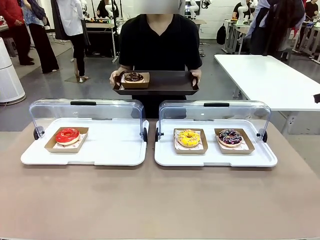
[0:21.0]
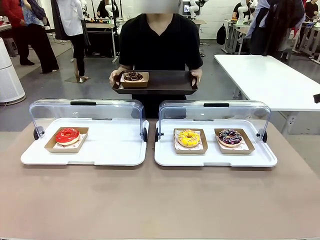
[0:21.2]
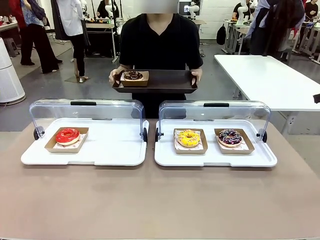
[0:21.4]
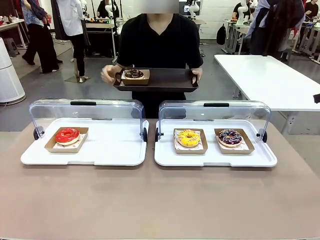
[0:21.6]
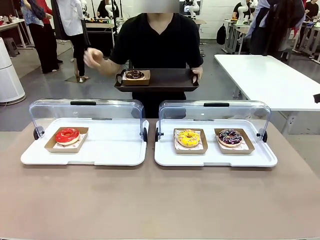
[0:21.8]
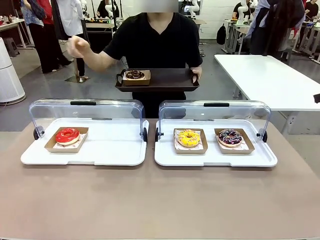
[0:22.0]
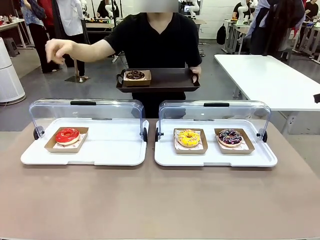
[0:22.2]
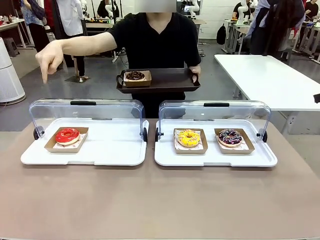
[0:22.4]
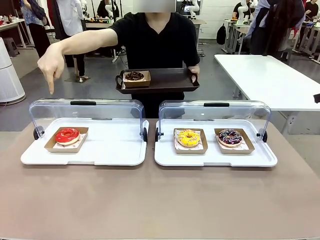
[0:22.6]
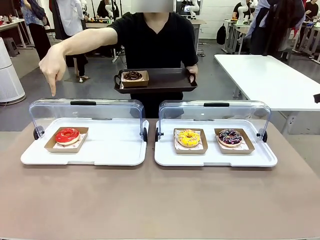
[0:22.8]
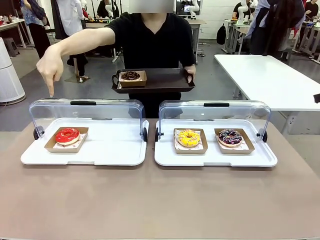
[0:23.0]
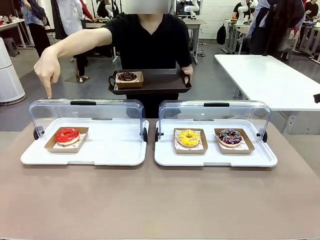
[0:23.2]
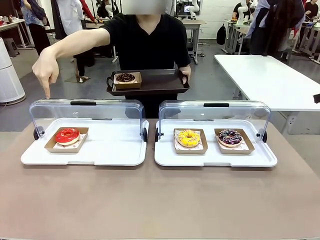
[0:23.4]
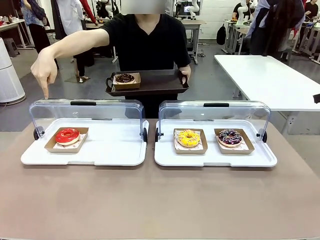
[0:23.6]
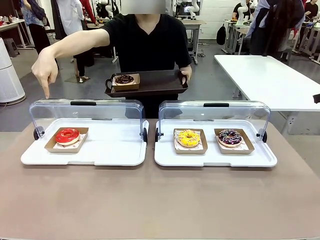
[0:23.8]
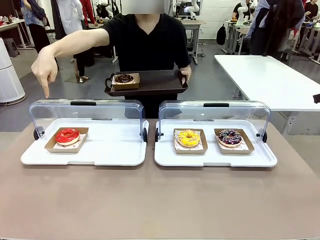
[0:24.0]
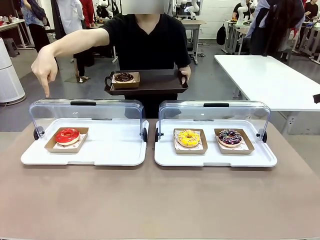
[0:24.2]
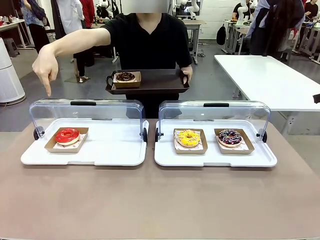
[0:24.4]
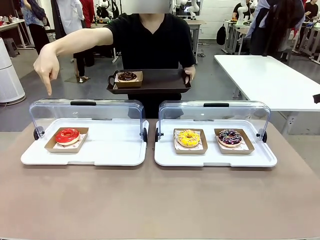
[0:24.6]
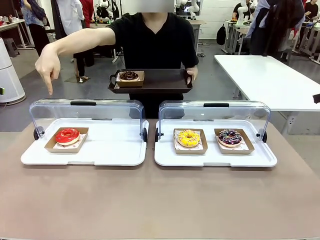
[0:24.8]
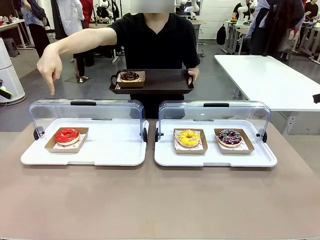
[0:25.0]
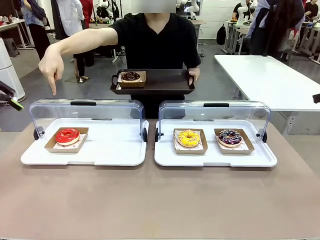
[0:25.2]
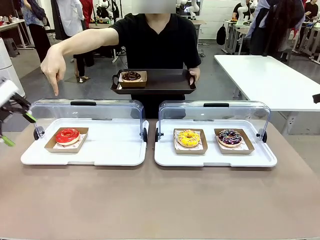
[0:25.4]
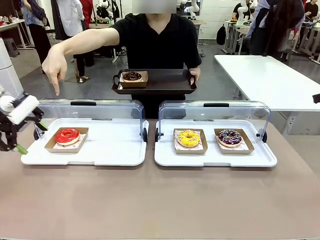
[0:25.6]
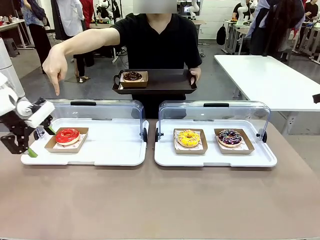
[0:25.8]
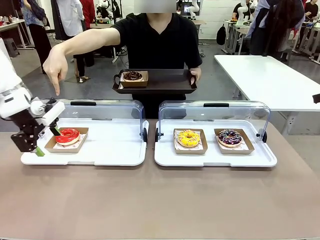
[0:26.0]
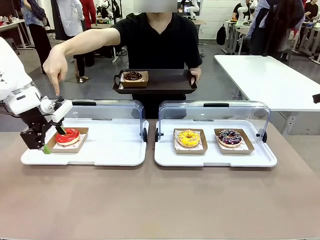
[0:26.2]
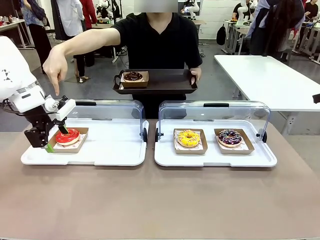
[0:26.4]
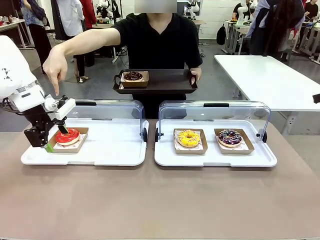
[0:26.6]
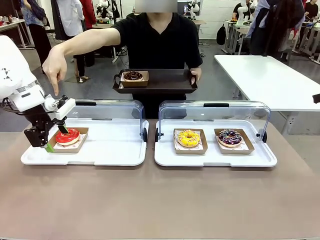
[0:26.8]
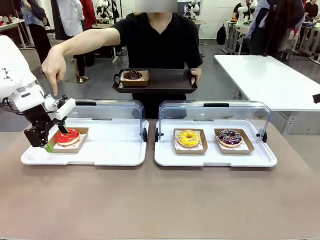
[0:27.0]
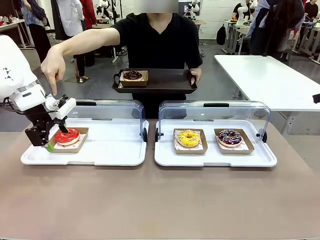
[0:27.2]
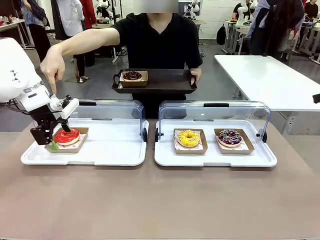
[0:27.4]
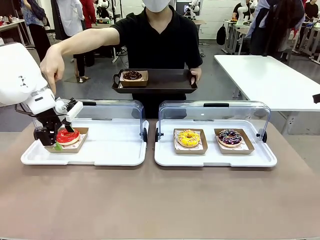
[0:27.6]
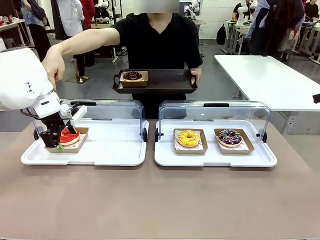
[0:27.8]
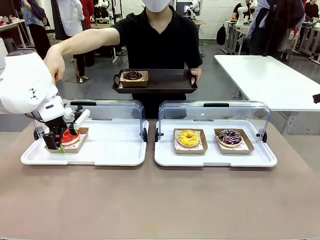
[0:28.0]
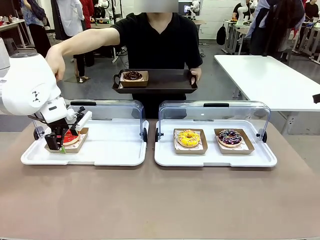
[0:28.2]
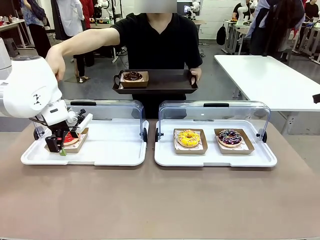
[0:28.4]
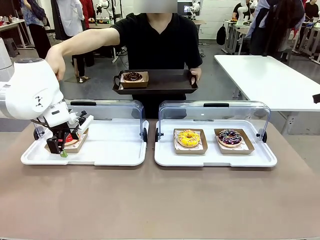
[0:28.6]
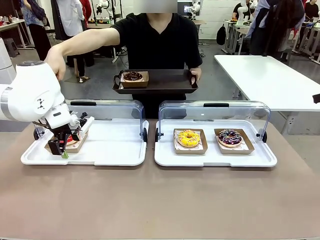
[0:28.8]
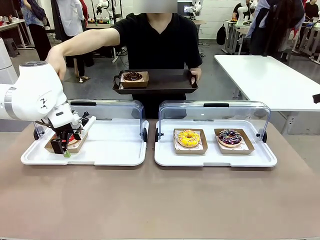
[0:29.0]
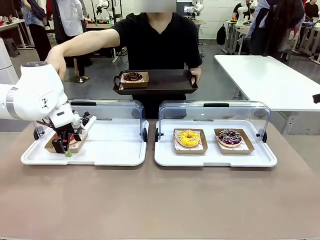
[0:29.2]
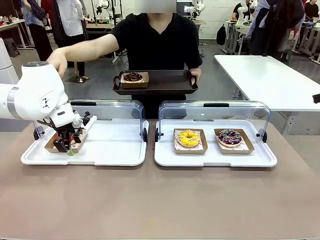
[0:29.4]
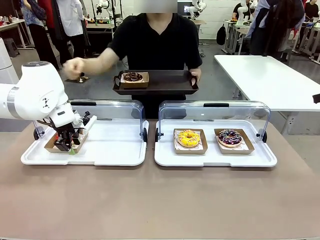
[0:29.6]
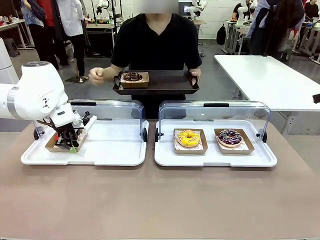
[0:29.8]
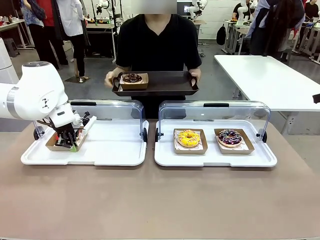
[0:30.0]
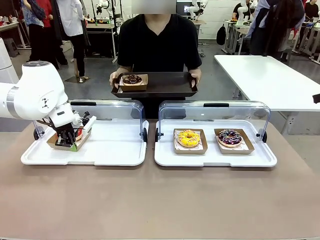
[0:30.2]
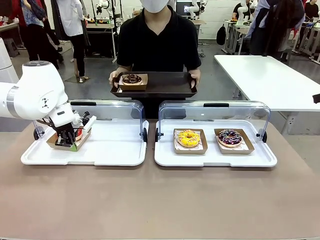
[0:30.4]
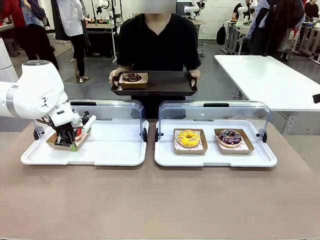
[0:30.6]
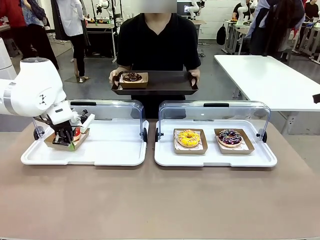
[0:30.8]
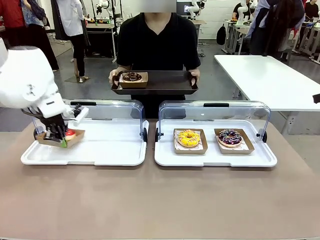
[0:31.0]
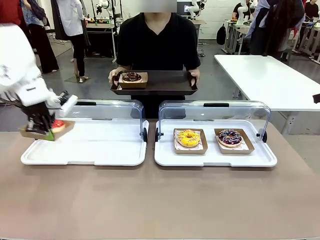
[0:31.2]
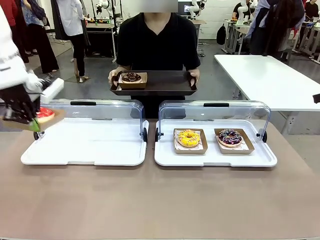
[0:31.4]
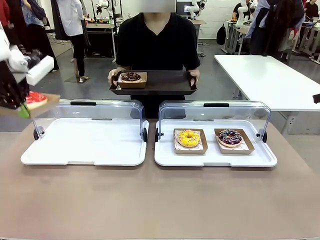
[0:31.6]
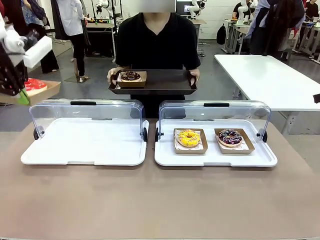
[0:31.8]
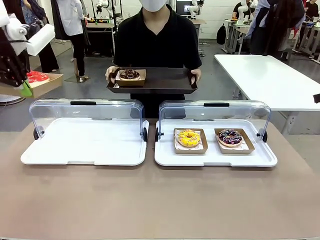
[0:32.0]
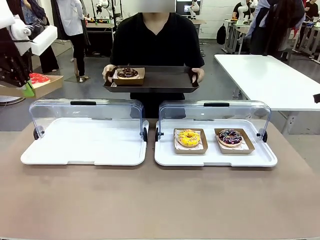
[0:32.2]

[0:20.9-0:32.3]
Task: Provide the desired donut to the person.
Robot: Pick up and lift the Paper togo box containing the Donut pointed at by the person.
Person: Lift the tray onto the Roll-Top Bakery Case.

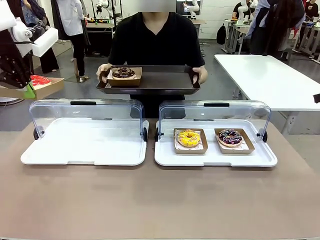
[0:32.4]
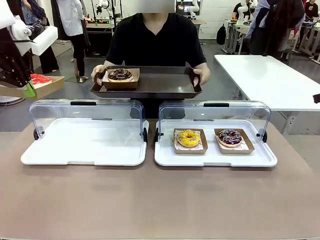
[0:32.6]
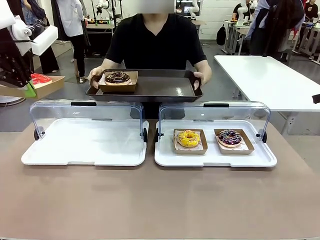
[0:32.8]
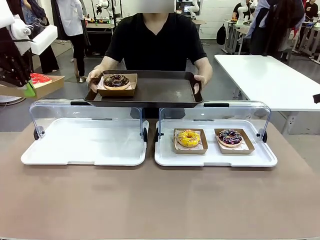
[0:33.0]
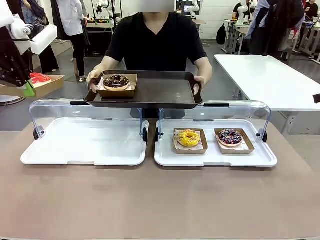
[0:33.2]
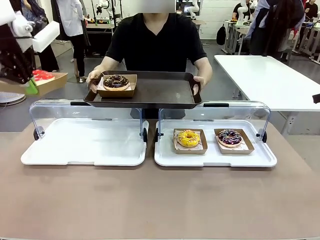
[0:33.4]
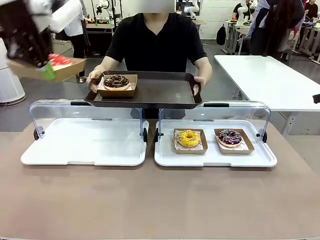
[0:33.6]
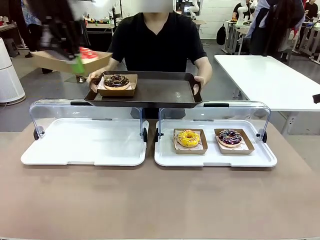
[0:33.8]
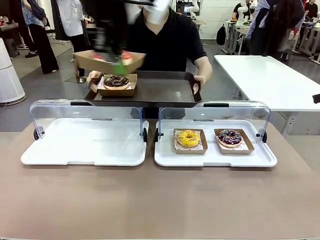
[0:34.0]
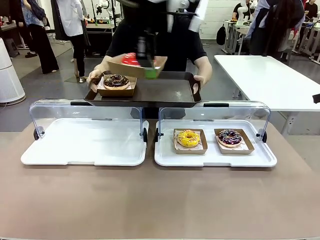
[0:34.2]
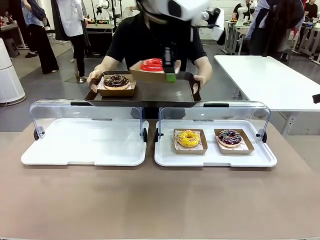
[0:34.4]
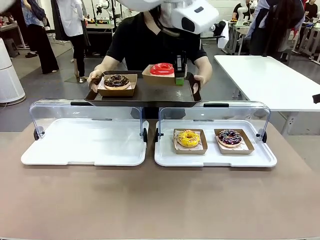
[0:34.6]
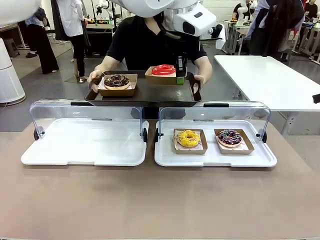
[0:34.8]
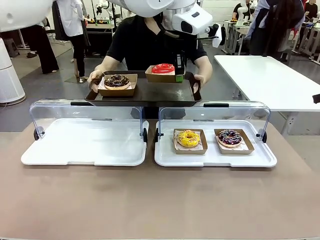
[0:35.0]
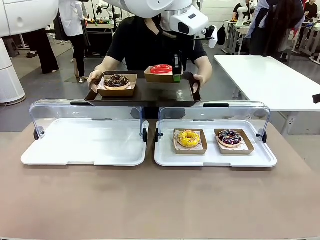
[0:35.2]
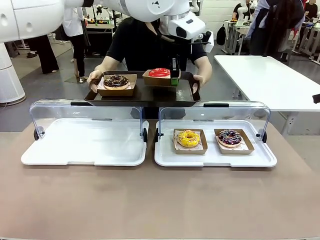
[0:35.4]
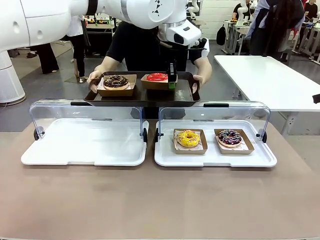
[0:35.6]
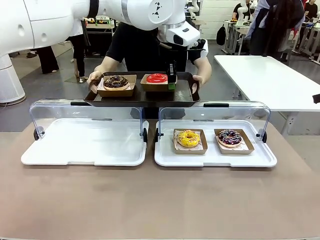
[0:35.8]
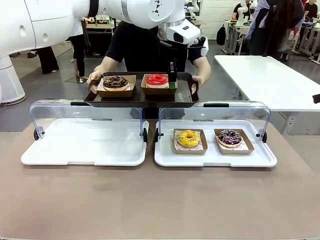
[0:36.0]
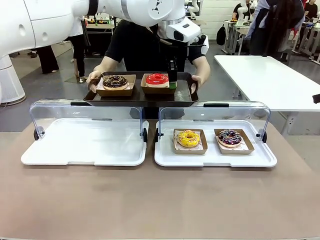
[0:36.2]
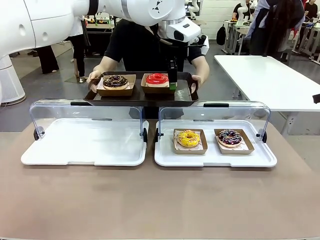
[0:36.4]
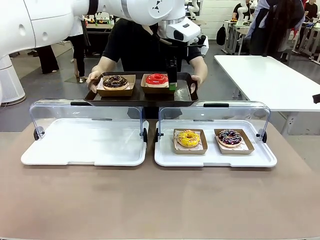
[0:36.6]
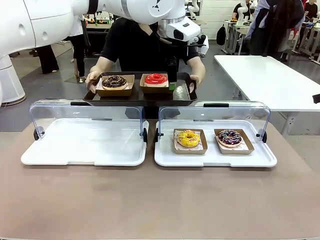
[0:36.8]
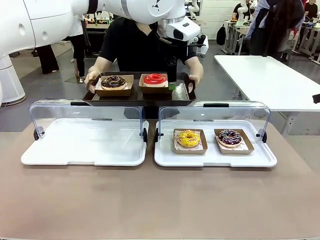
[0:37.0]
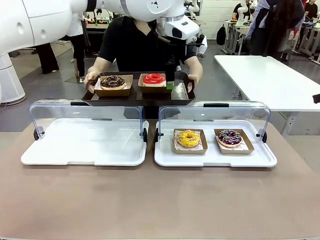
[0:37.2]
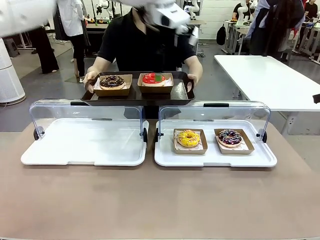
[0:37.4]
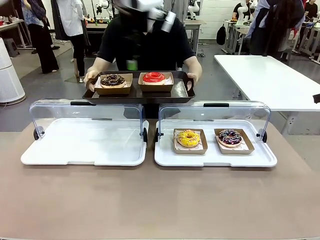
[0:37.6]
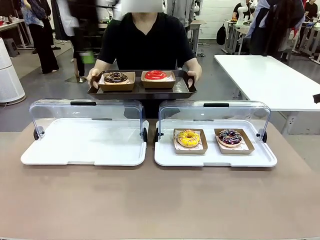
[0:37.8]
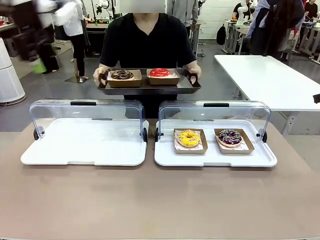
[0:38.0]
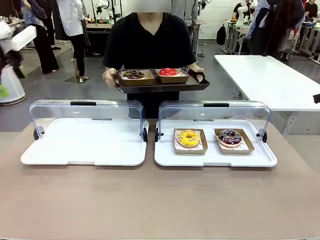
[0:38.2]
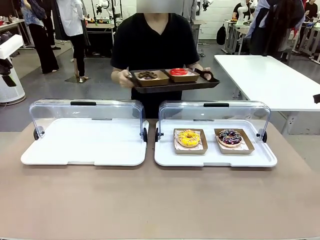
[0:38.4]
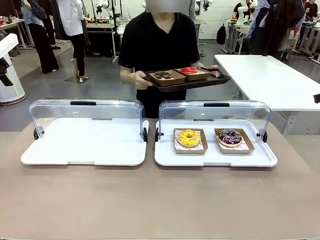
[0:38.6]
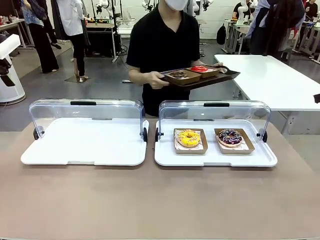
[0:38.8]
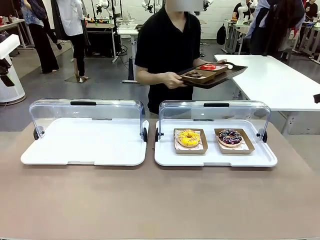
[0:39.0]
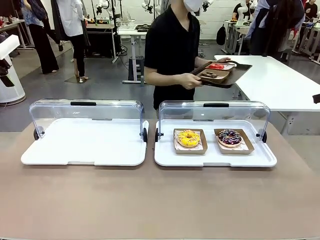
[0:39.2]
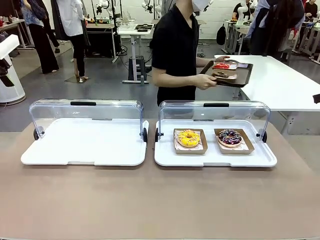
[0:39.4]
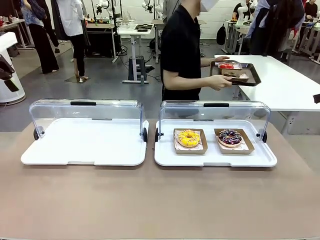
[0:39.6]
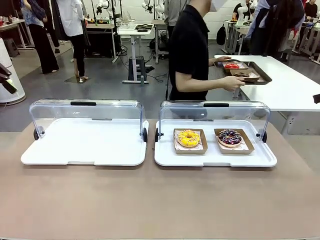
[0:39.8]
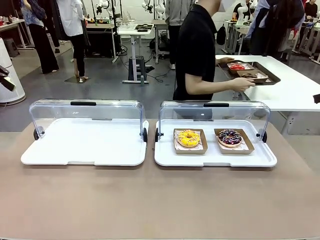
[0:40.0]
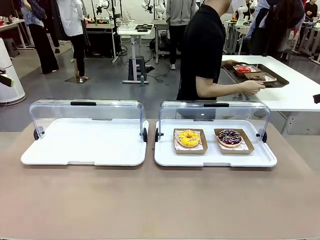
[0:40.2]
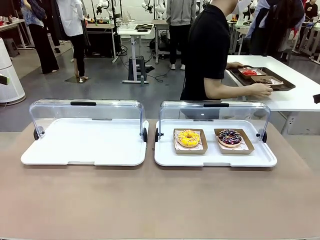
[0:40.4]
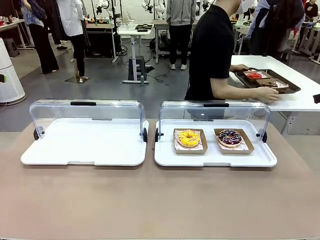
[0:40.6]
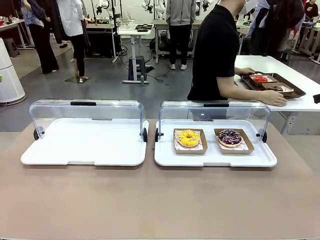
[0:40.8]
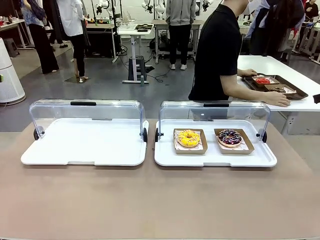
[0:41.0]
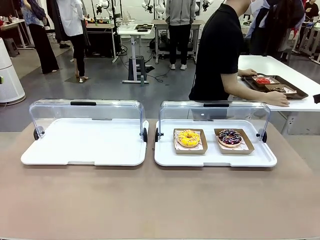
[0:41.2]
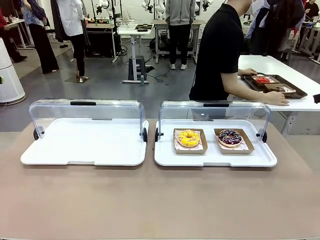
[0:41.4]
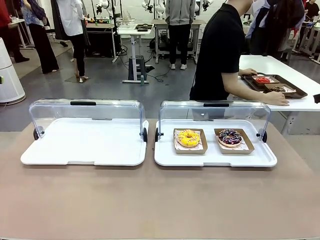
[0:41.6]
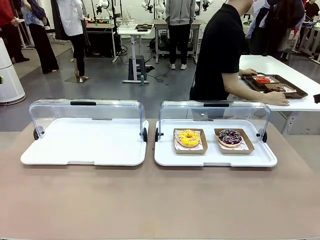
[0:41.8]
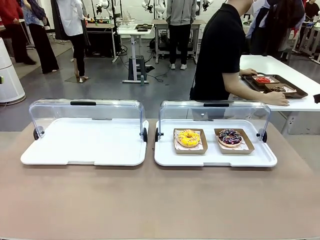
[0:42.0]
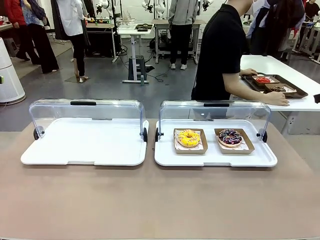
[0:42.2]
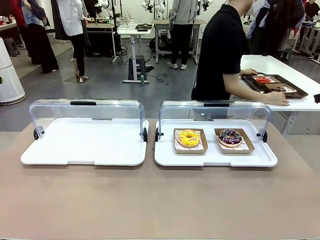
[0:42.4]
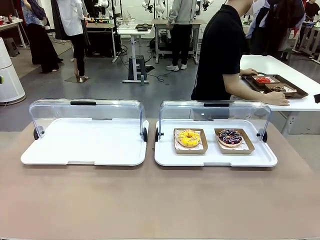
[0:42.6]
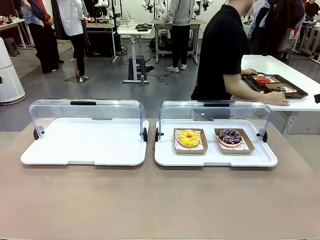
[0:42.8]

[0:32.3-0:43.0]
Robot: Place the picked Paper togo box onto the Handle tray extended by the person.
Person: Place the tray in the middle of the human table.
